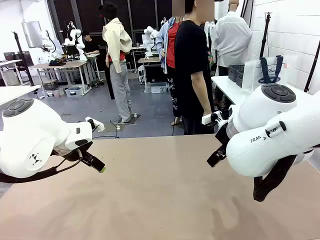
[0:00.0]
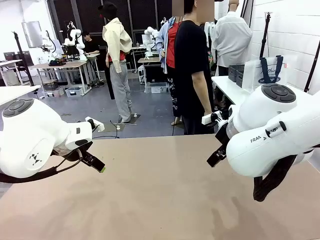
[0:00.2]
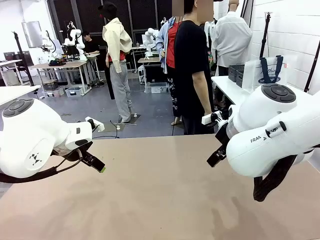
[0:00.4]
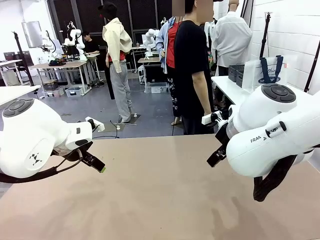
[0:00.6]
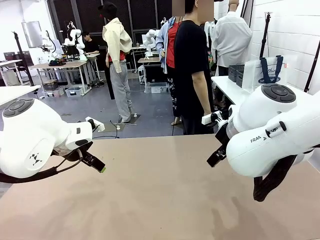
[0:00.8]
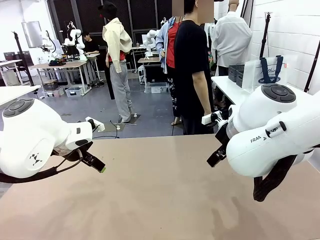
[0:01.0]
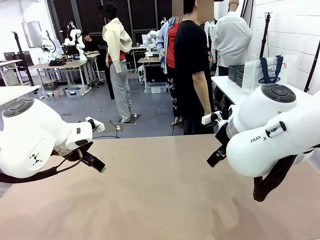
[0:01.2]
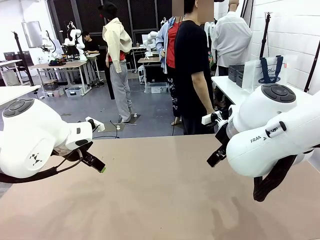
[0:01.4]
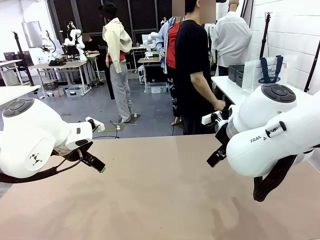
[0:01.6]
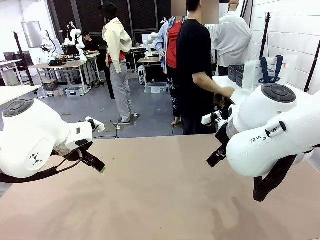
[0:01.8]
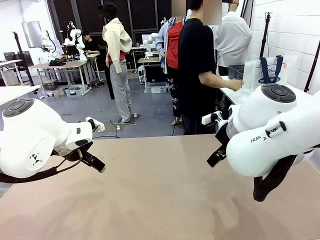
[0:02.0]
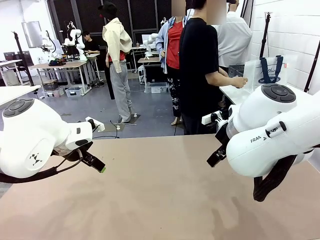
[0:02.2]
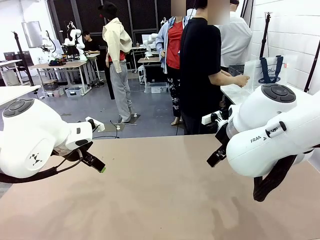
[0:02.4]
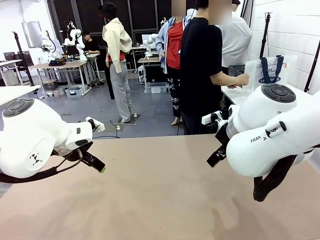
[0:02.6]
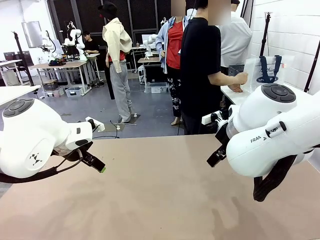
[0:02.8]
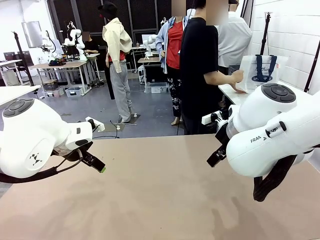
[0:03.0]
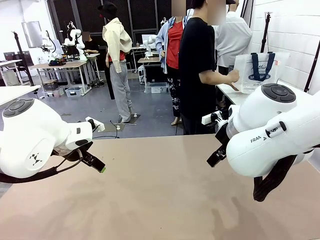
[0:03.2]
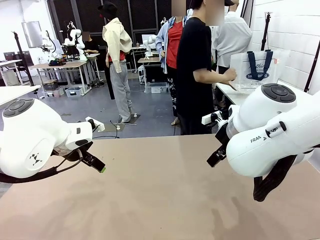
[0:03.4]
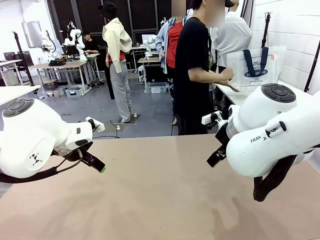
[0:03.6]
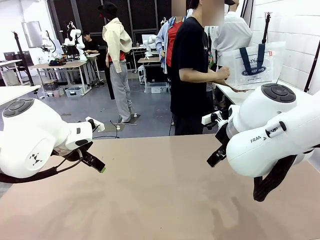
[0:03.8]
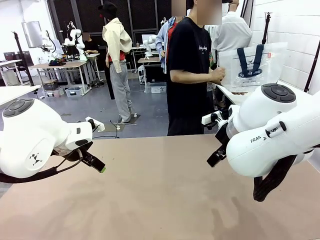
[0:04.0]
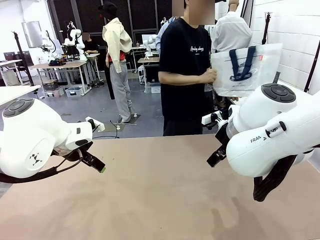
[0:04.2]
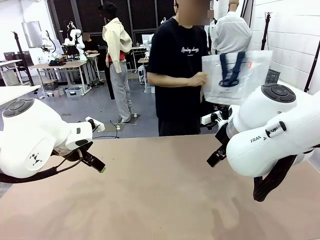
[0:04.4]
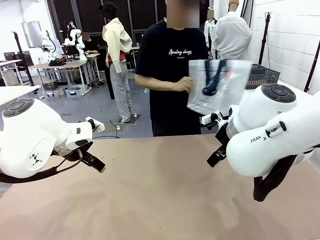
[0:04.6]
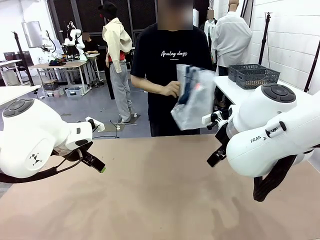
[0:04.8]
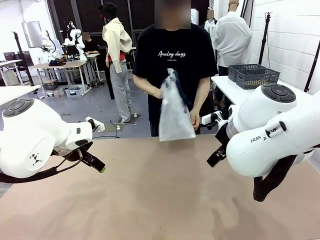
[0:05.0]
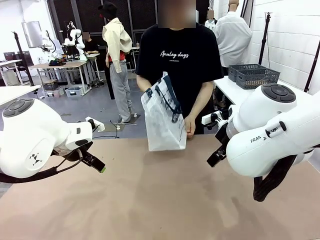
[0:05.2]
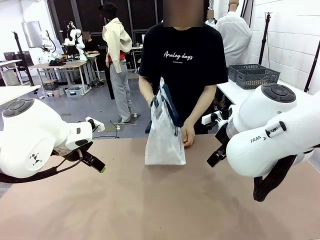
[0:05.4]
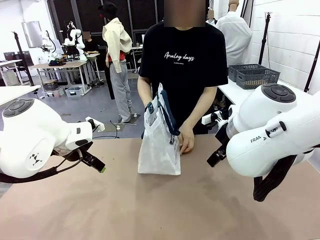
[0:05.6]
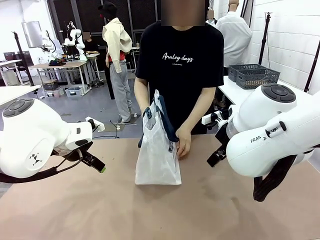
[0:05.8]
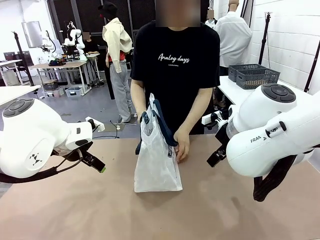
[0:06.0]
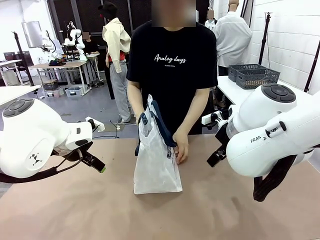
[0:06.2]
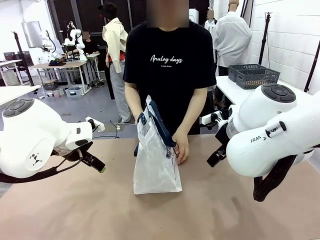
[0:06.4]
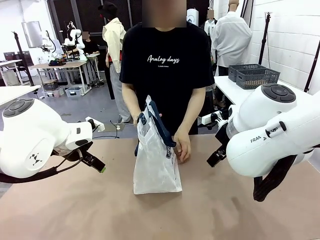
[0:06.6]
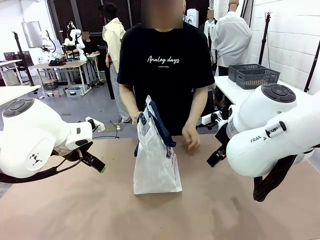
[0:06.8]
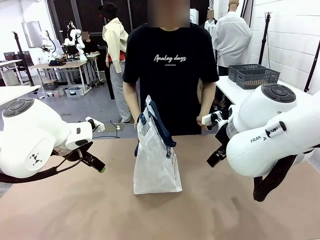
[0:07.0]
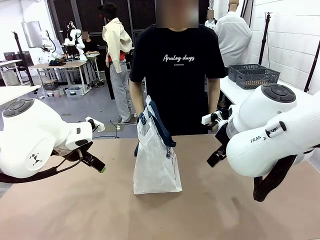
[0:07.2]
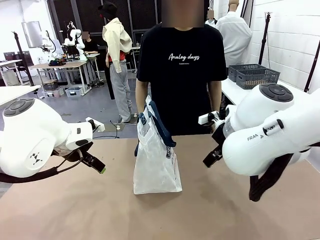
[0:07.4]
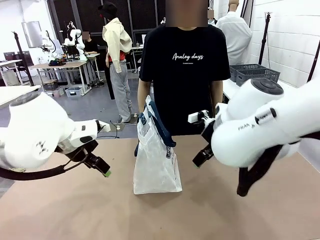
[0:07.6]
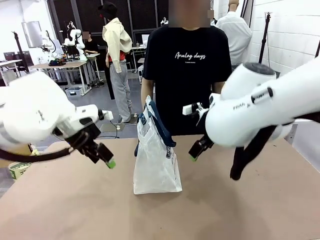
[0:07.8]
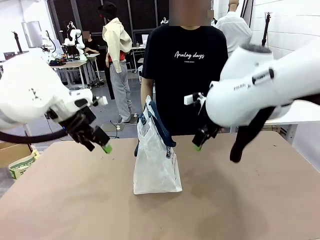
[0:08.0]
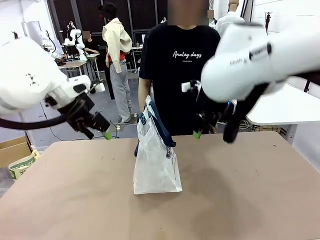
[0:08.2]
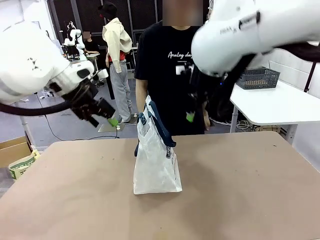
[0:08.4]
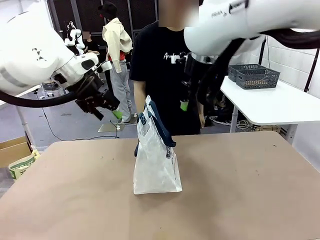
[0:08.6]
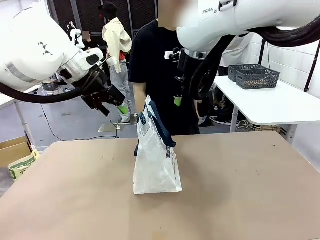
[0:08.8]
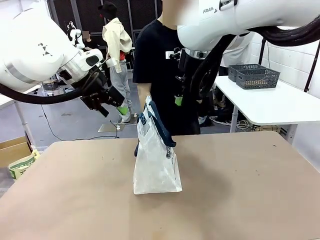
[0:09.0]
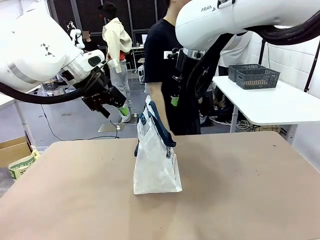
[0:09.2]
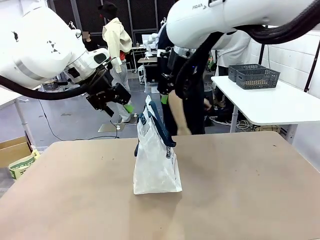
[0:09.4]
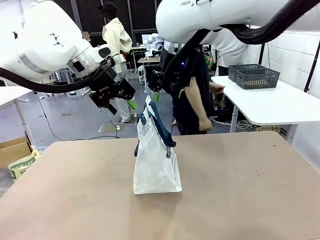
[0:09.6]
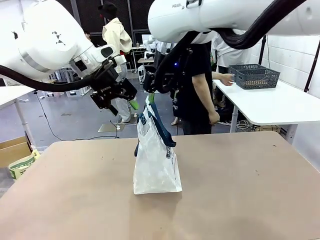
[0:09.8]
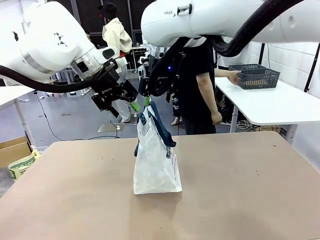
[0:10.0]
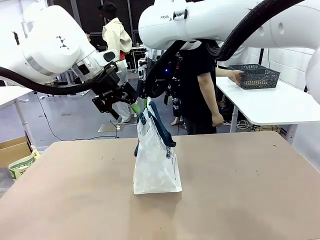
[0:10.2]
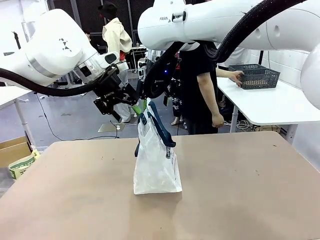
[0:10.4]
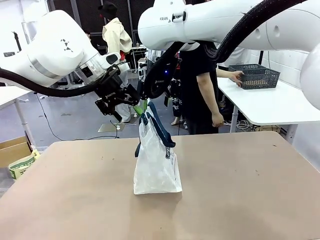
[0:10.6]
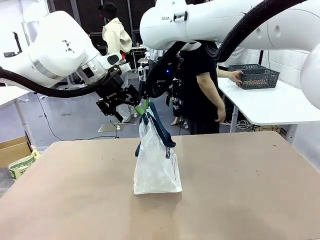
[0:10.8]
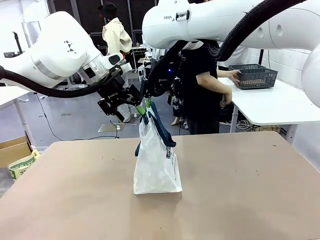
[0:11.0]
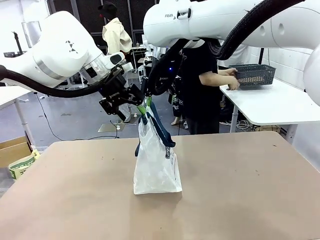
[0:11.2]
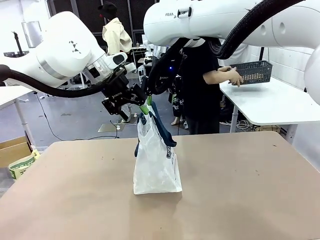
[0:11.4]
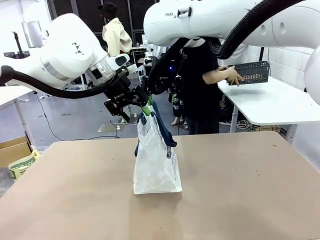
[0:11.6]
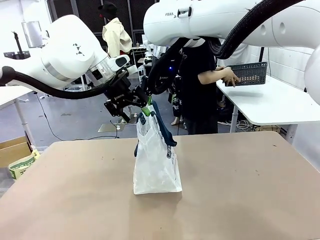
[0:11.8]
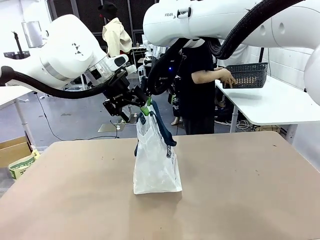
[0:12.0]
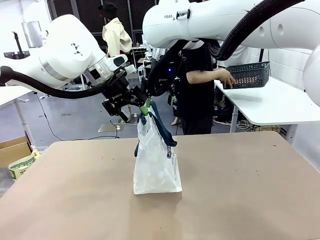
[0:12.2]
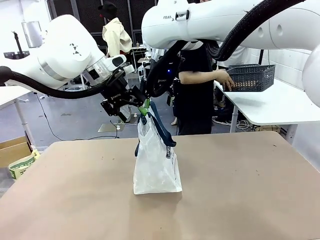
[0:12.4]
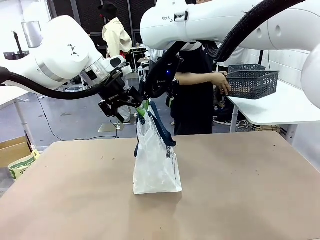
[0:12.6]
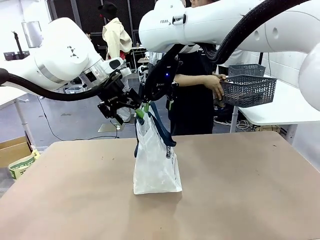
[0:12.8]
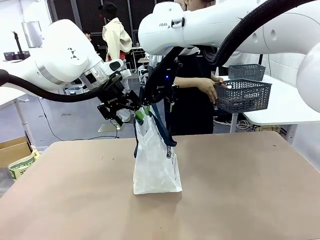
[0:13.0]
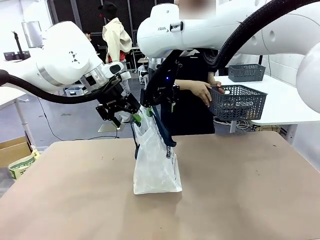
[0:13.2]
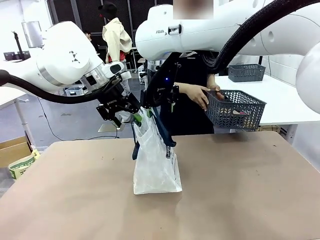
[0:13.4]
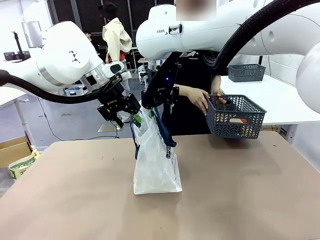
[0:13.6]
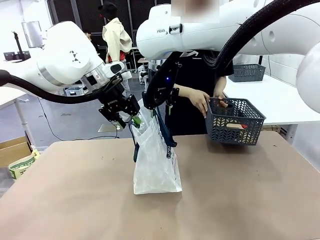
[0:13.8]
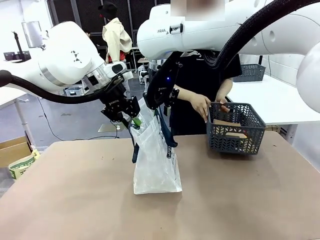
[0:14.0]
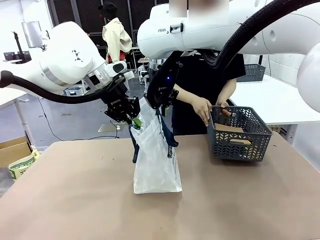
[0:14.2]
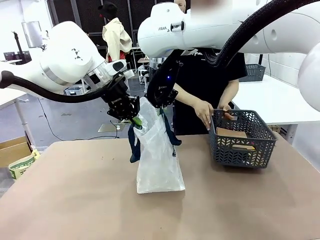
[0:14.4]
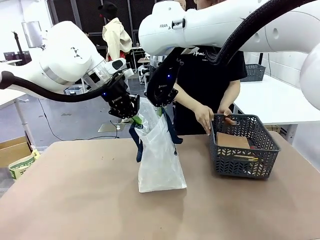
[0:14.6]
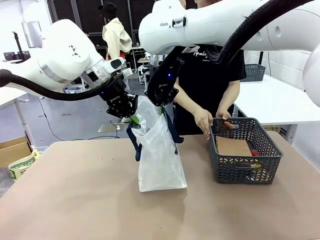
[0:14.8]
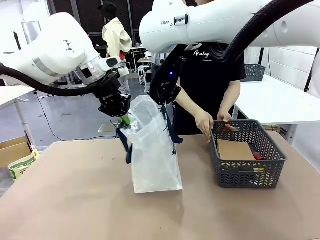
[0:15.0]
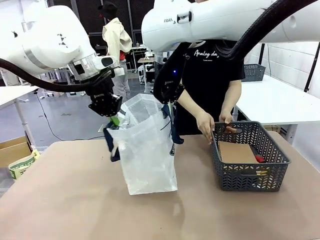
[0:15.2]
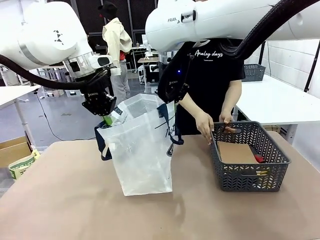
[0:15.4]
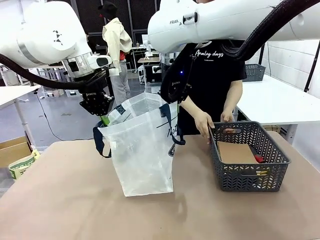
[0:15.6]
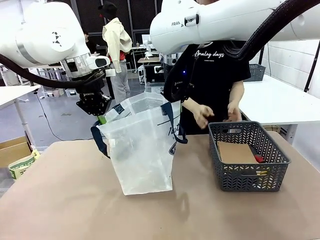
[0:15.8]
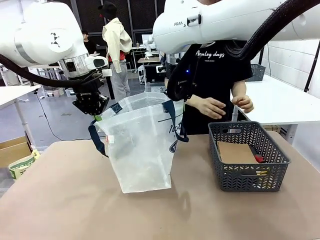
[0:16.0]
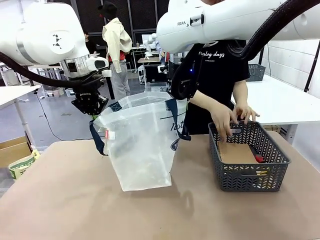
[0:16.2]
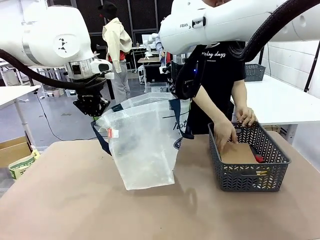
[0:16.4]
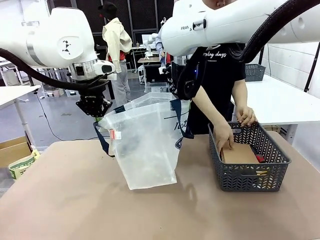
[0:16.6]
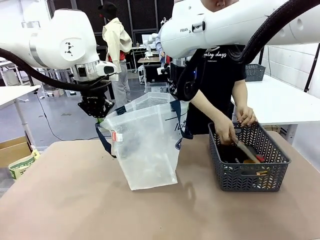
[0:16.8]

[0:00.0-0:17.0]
Task: Transfer purchased items from the store into the shopping bag.
Robot: Open the Reusable shopping bag in the center of the table.
Person: Pick up the shopping bag and place it in the middle of the robot table.
